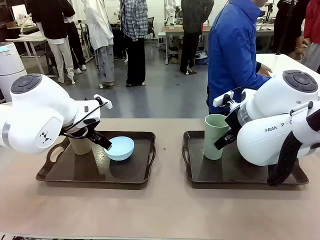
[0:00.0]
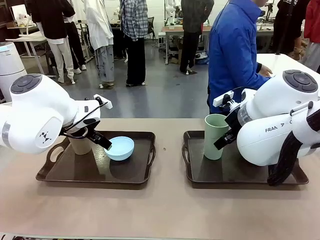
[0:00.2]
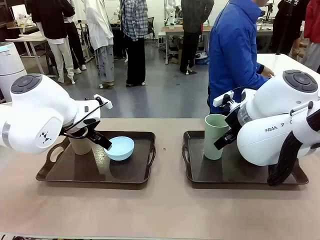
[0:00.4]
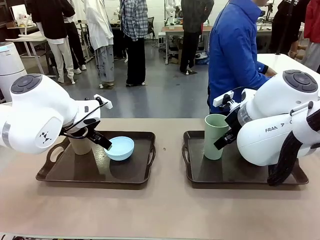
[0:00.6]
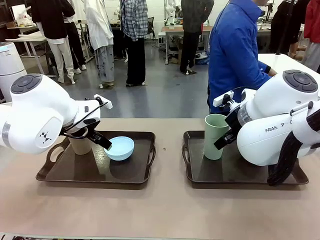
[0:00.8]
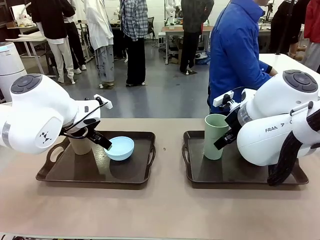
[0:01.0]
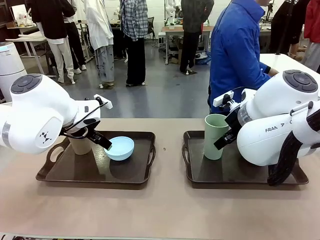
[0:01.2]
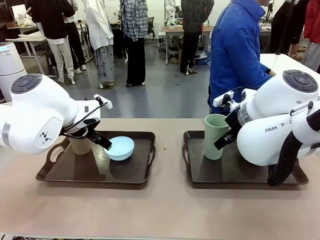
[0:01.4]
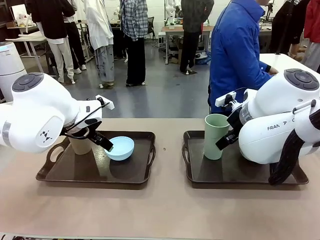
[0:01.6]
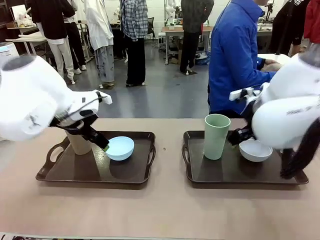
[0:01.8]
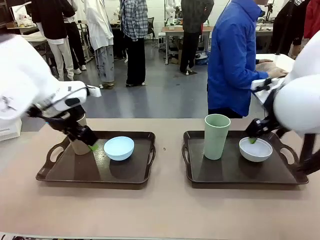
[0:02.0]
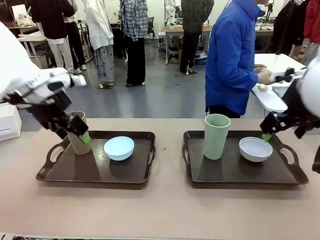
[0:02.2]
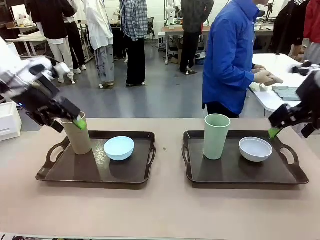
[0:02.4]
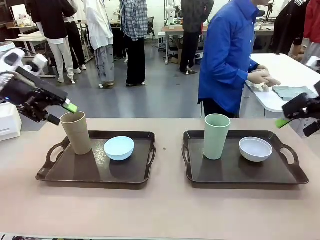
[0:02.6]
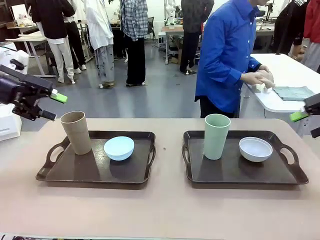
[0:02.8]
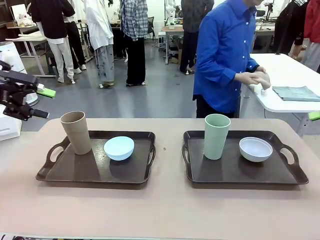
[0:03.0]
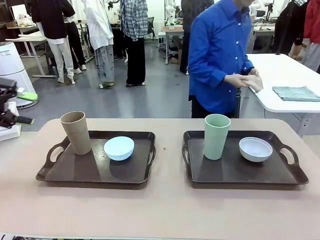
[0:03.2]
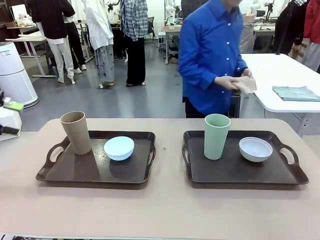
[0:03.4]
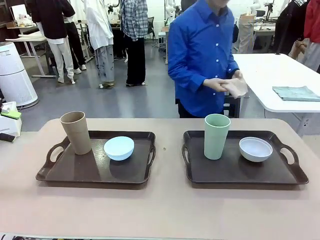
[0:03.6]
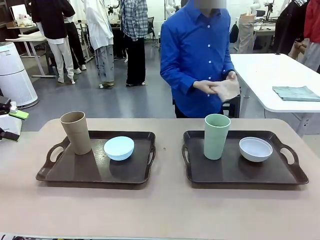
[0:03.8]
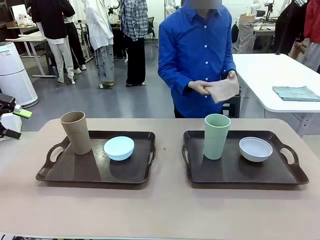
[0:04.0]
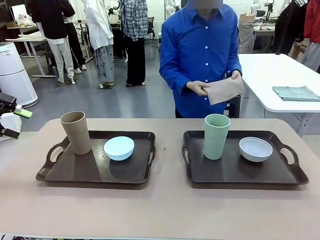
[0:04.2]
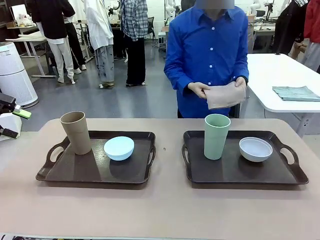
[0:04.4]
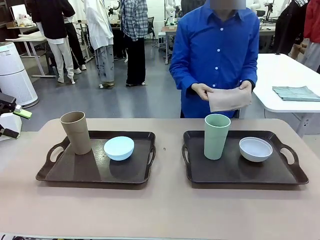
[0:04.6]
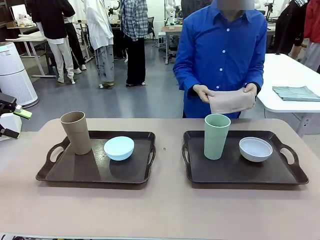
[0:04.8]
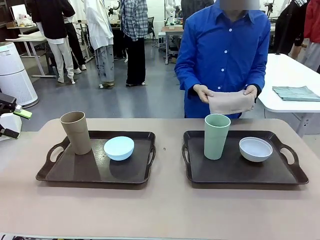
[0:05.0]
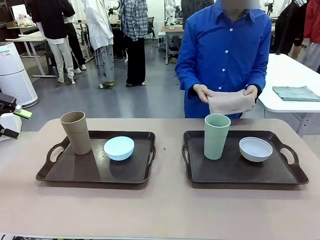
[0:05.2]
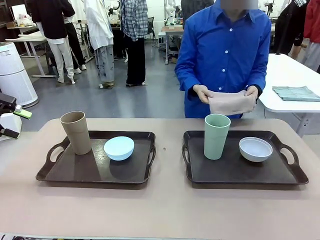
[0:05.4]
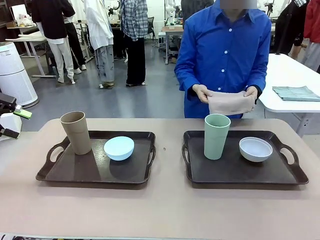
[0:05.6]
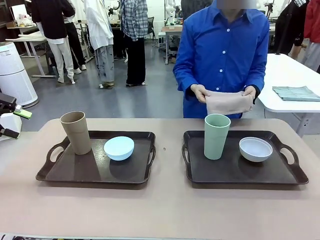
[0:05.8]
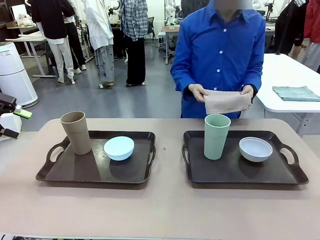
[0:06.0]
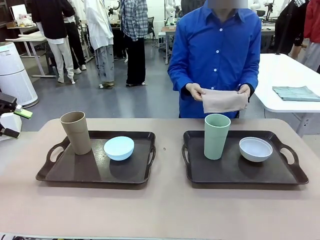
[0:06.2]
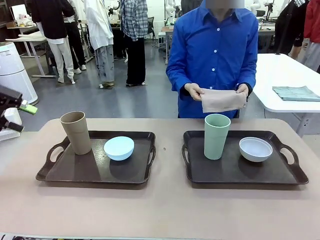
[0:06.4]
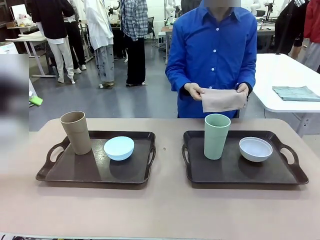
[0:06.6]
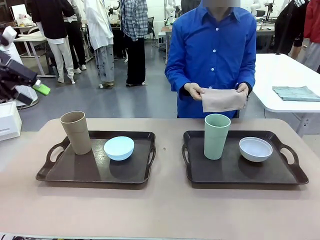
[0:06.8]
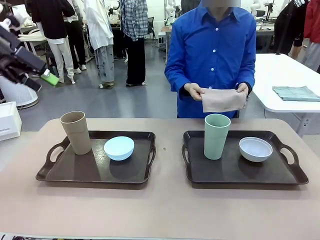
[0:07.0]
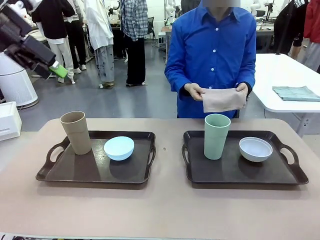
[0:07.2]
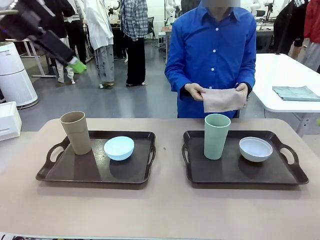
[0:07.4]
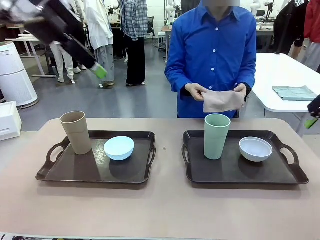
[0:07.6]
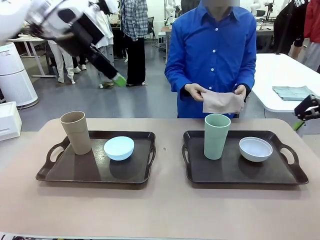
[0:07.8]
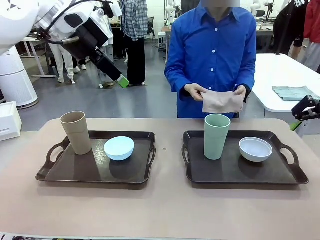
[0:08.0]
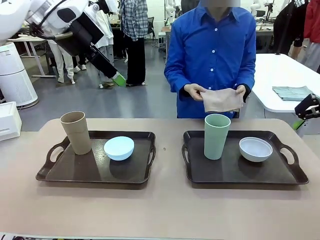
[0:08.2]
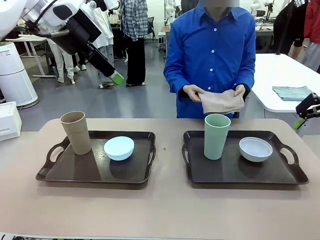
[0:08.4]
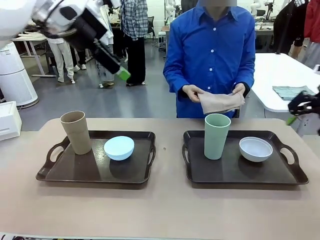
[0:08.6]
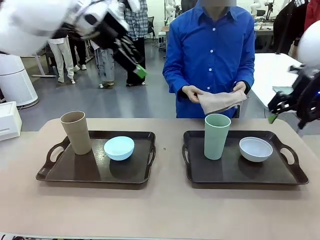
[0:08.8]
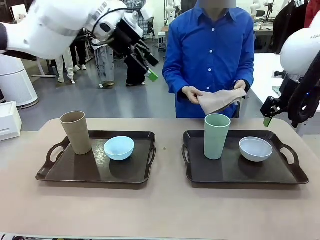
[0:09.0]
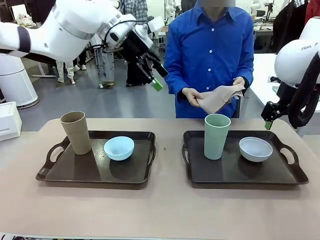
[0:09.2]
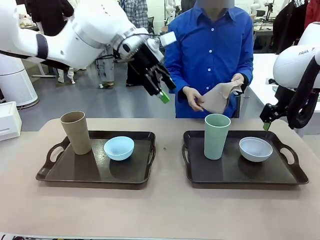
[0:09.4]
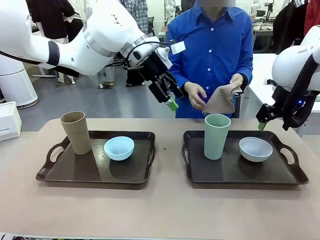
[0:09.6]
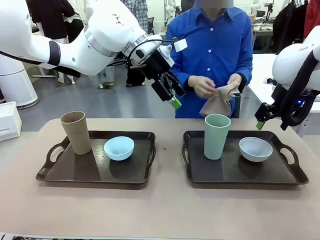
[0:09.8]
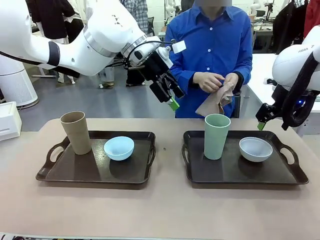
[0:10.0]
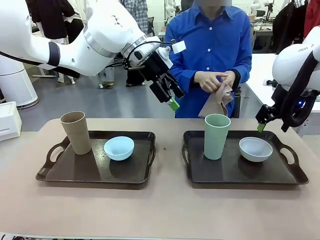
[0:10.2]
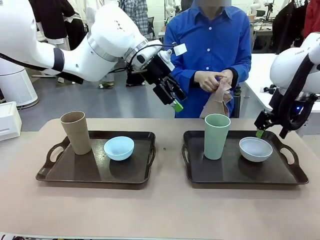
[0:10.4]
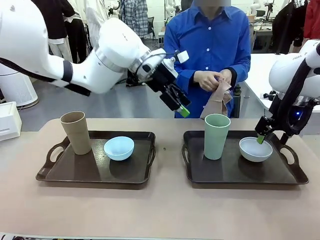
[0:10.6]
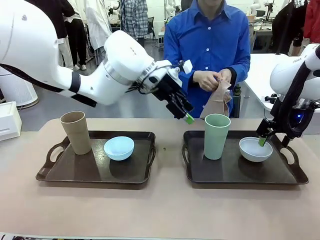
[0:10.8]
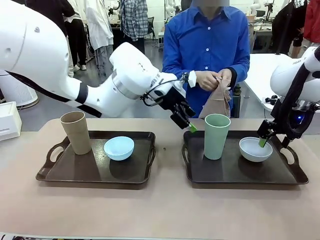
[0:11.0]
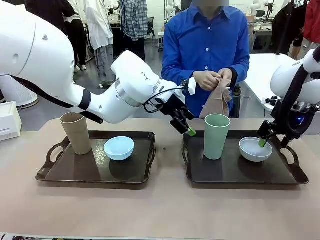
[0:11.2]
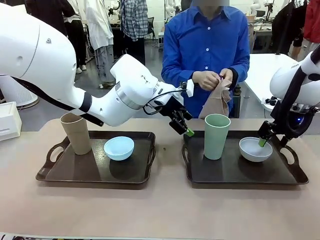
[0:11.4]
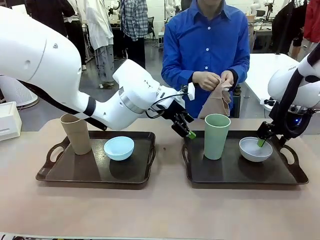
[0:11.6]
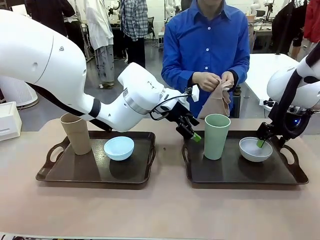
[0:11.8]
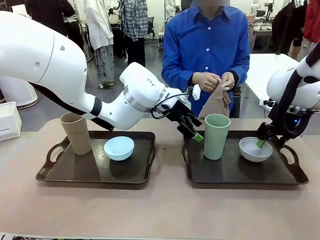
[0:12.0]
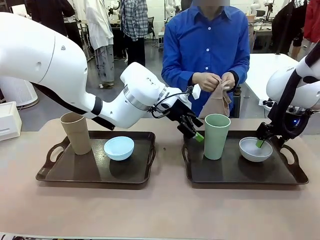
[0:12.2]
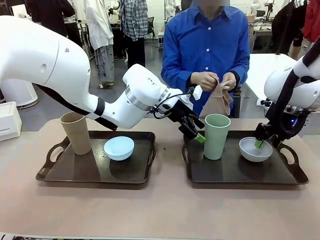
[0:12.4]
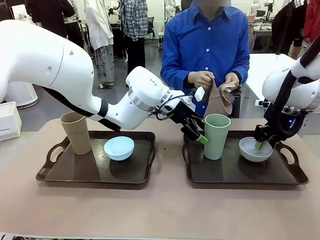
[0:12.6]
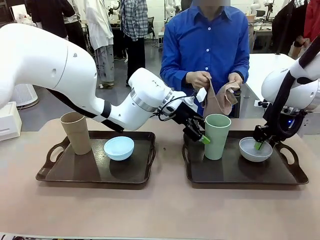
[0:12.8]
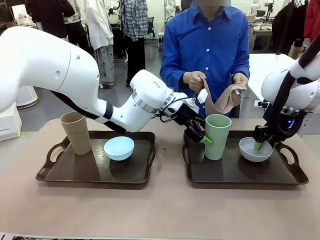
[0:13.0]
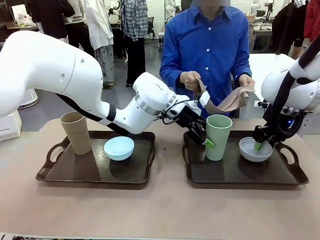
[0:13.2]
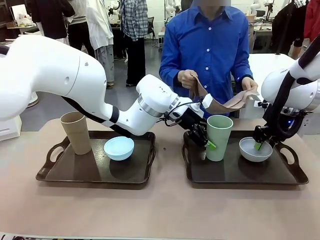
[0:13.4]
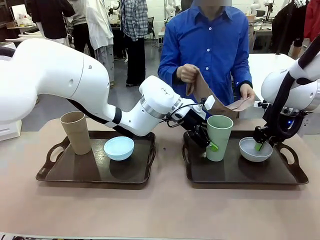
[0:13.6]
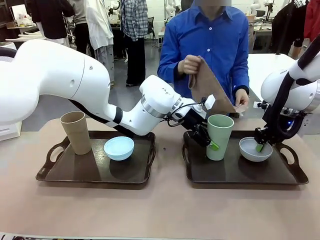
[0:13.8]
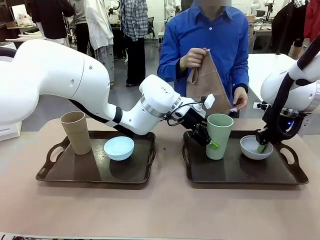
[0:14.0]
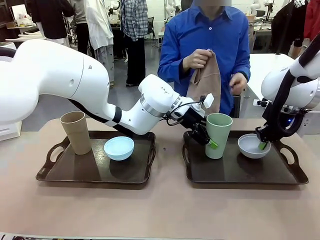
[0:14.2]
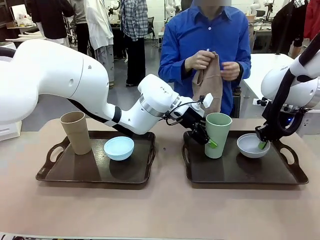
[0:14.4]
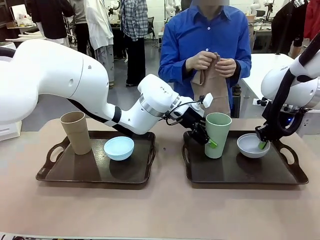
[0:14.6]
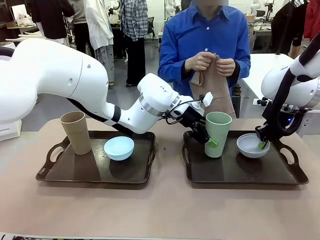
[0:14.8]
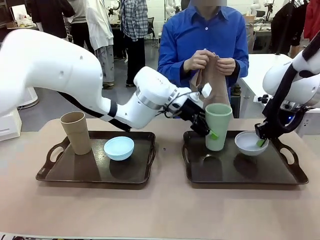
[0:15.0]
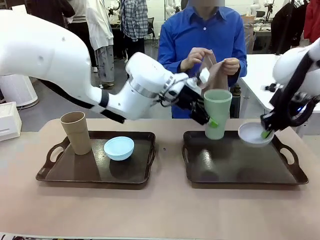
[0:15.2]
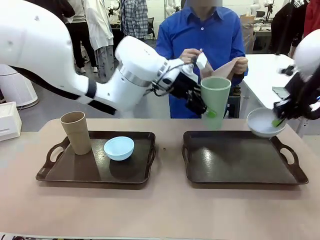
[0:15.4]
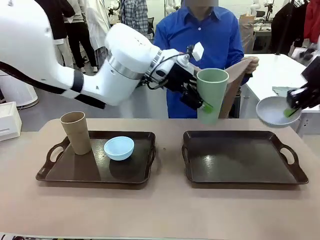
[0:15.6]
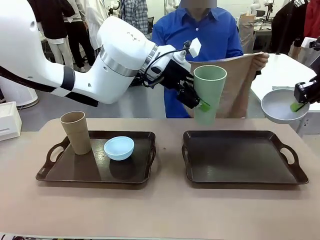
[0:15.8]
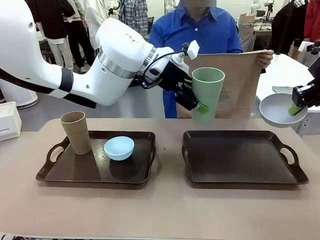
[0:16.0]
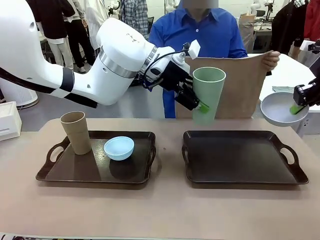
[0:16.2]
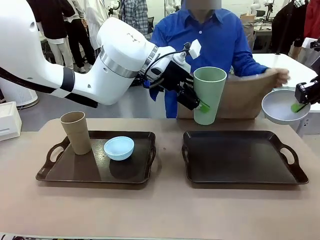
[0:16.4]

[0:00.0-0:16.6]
Robot: Pick up the Picnic Bowl and Reusable plastic cup from the Handle tray in front of the human's position and hold them in the air.
Person: The human picks up the top napkin from the stack on the human table and walks to the robot table to stand in front of one of the two trays. When the robot lifts the bowl and the cup, the human unfolds the napkin and lays the napkin flat on the tray.
